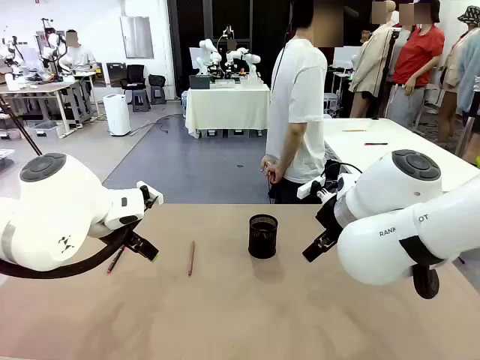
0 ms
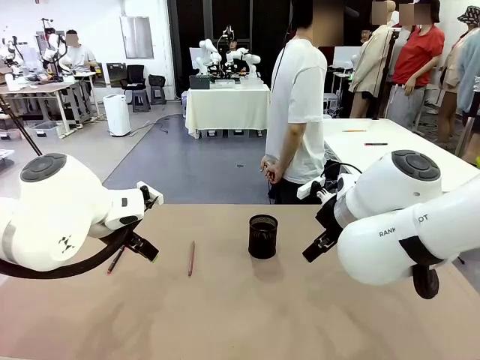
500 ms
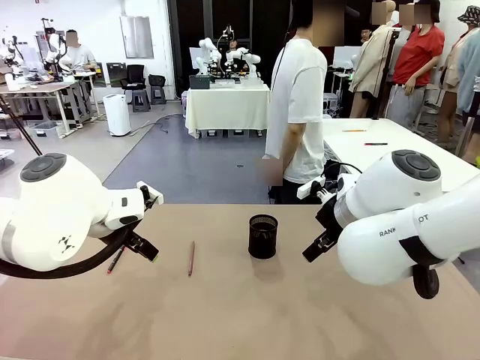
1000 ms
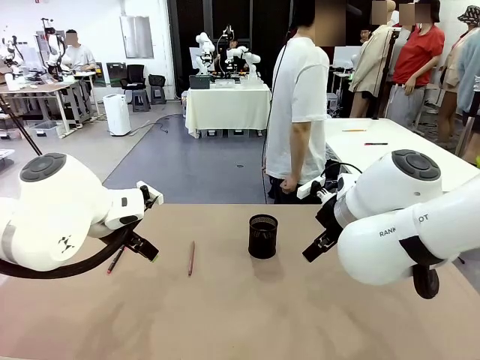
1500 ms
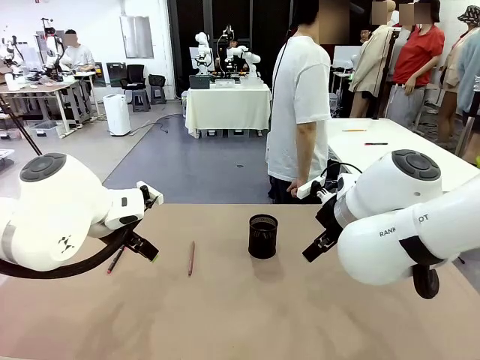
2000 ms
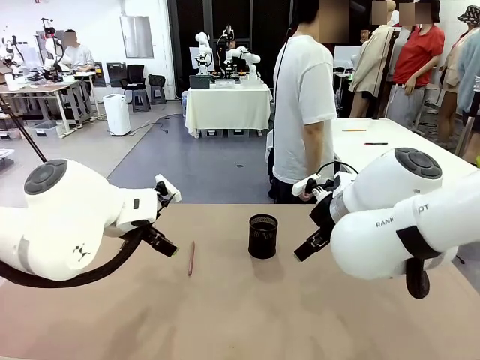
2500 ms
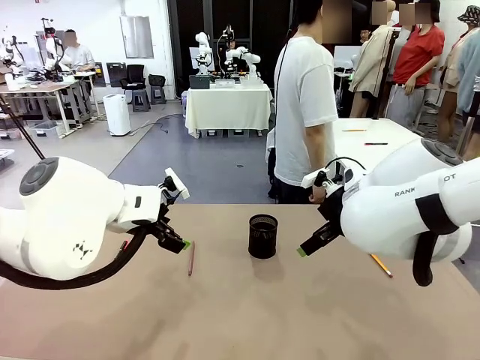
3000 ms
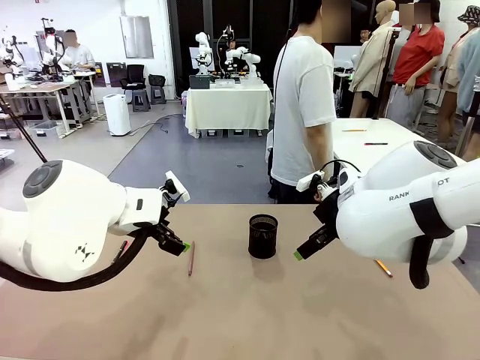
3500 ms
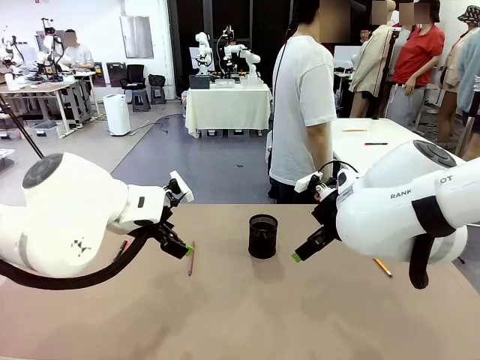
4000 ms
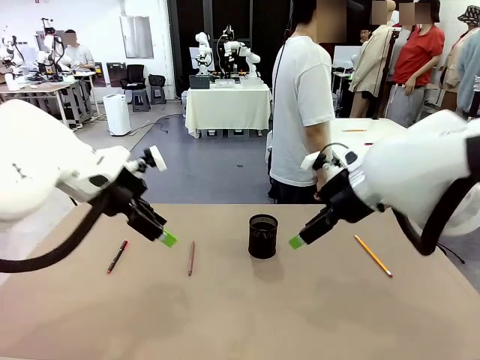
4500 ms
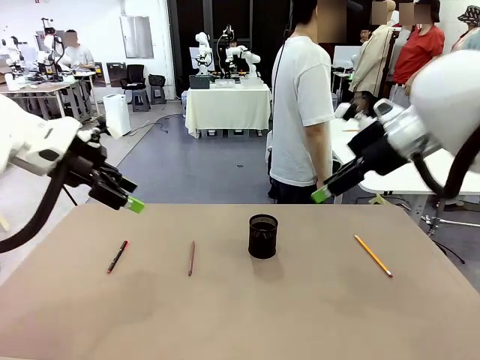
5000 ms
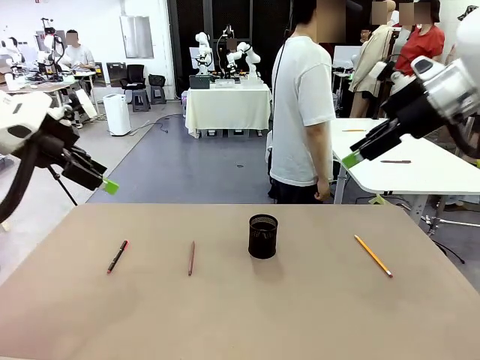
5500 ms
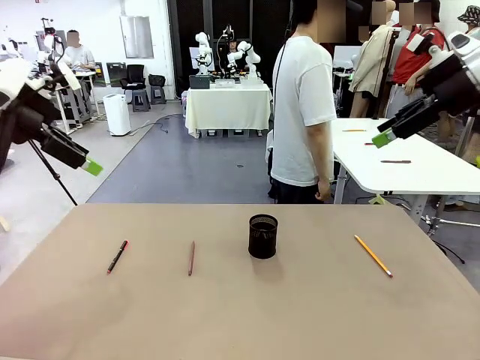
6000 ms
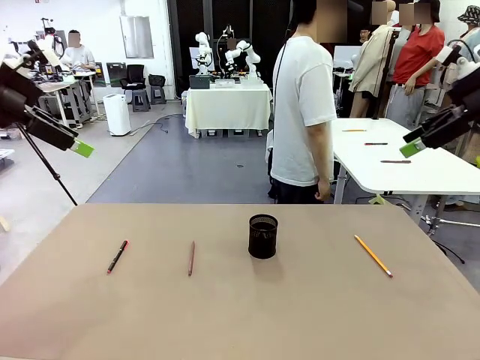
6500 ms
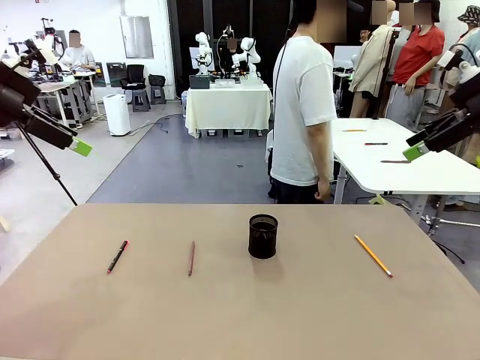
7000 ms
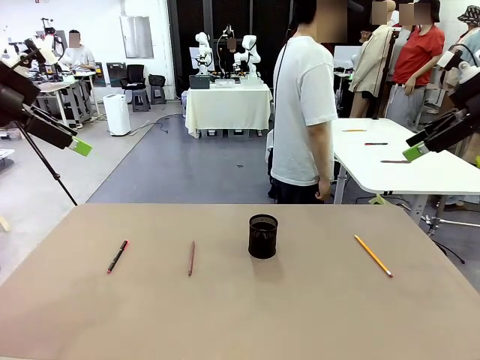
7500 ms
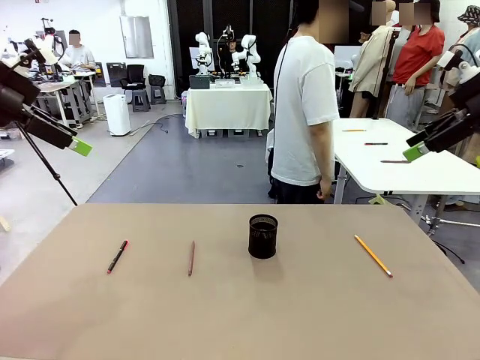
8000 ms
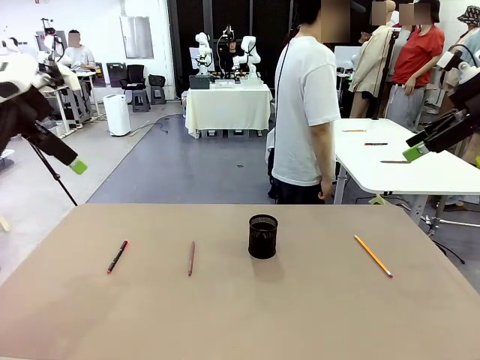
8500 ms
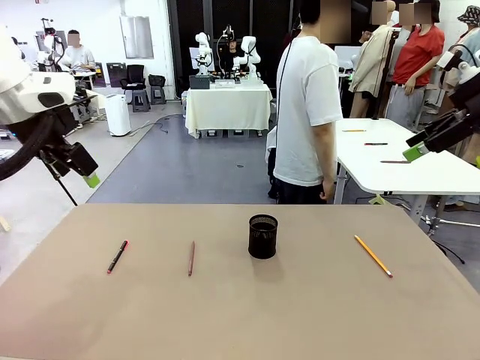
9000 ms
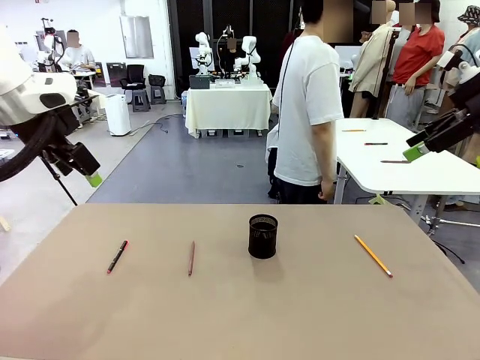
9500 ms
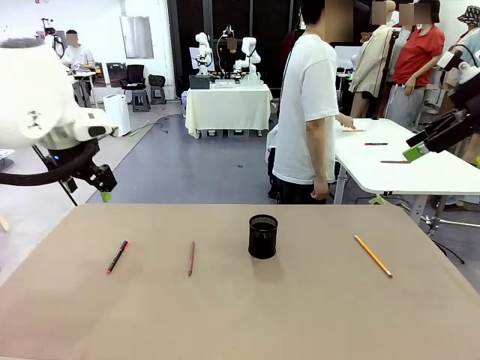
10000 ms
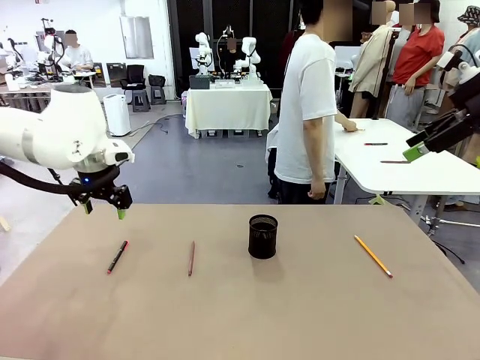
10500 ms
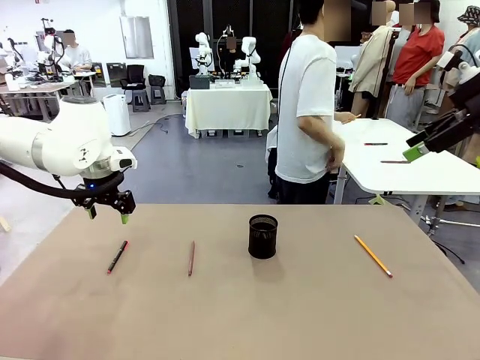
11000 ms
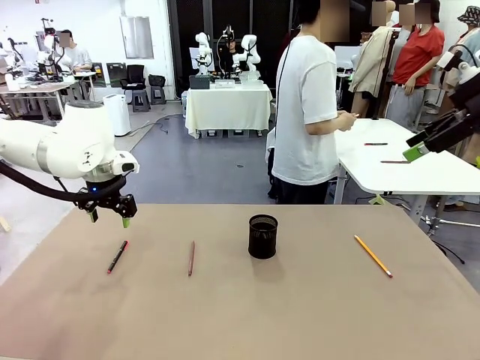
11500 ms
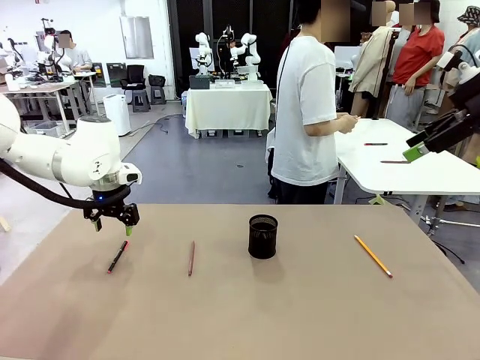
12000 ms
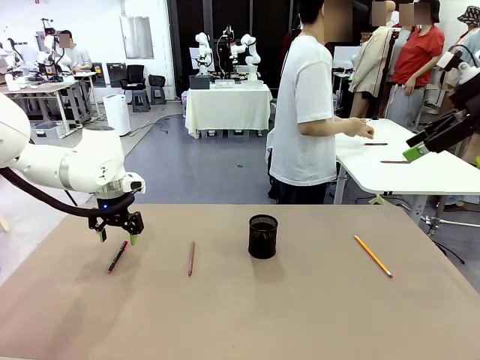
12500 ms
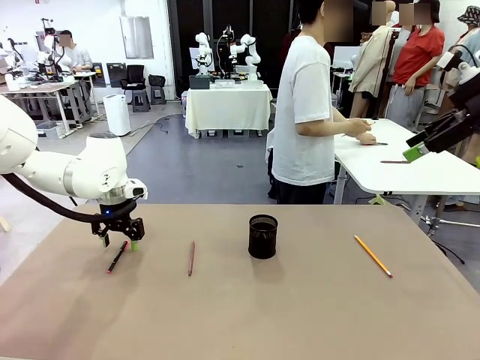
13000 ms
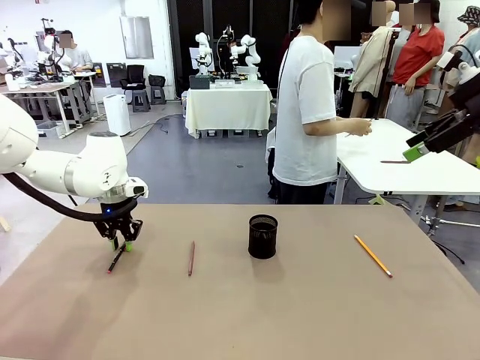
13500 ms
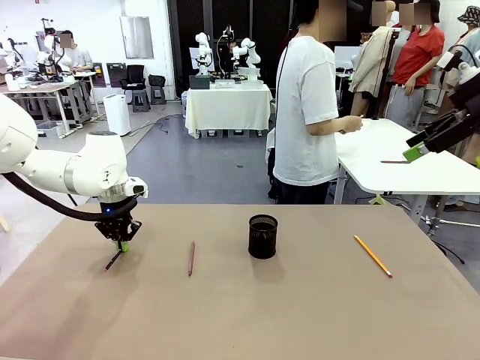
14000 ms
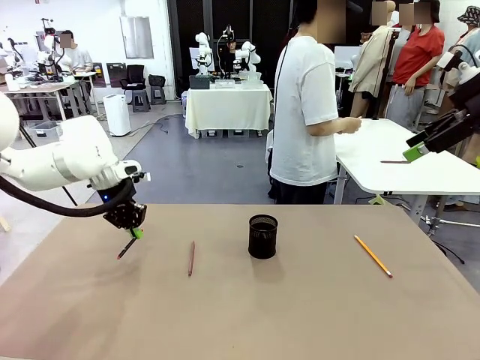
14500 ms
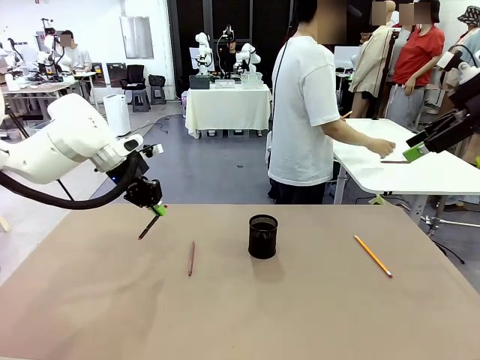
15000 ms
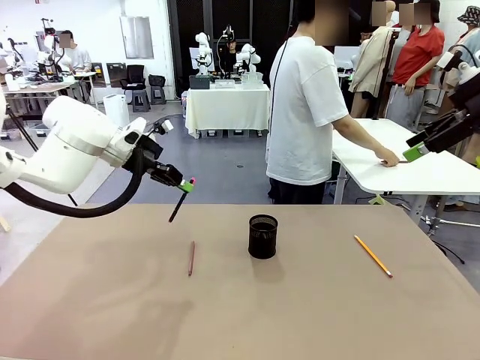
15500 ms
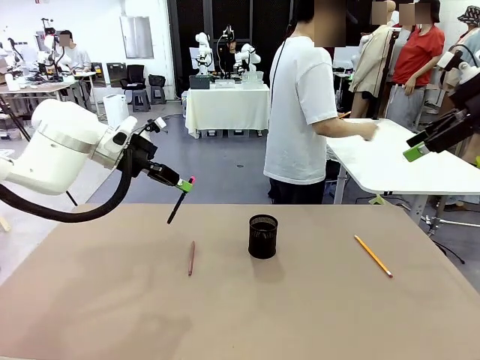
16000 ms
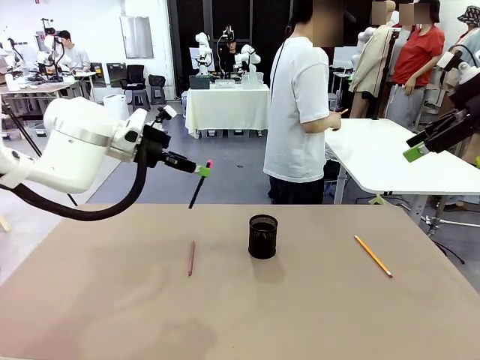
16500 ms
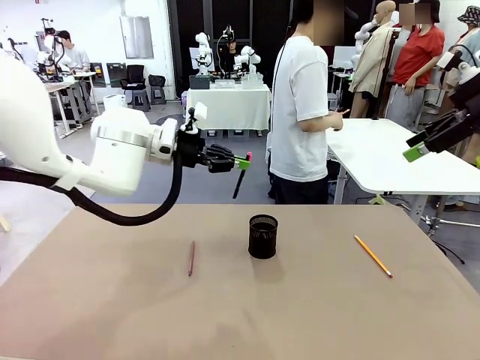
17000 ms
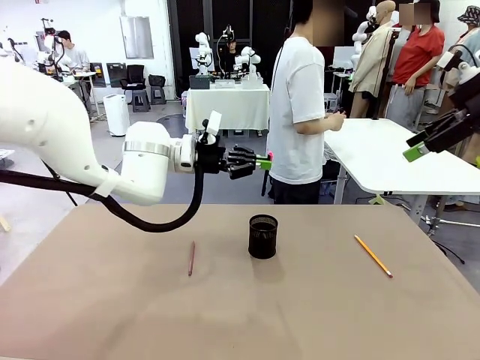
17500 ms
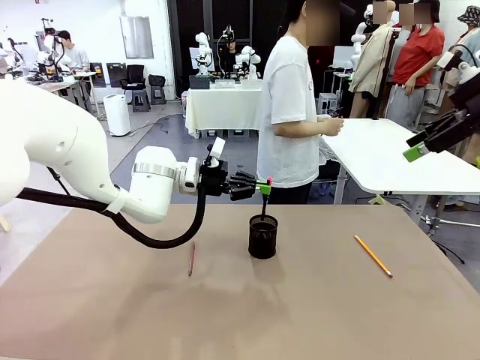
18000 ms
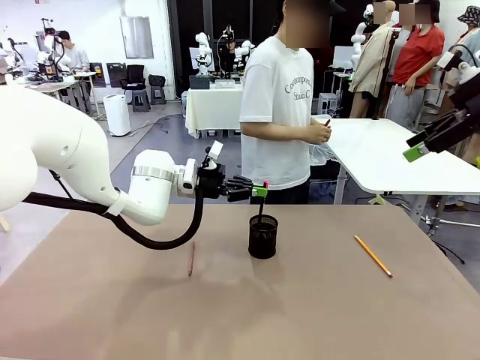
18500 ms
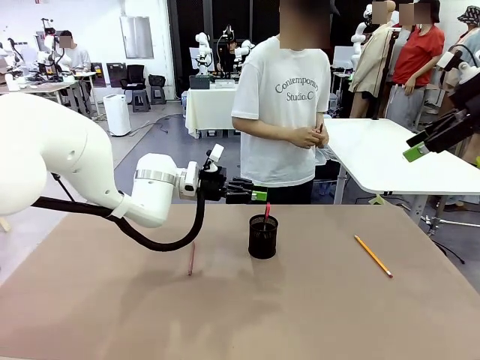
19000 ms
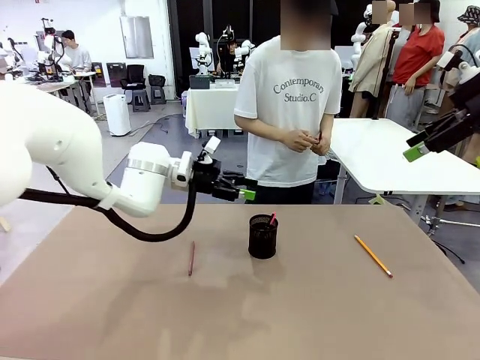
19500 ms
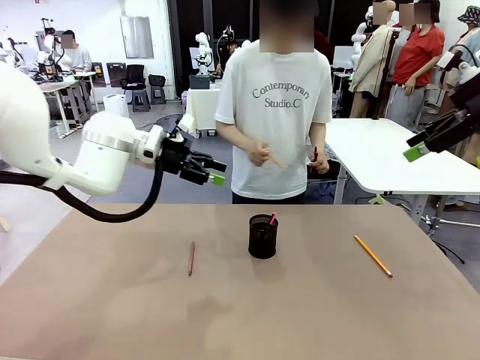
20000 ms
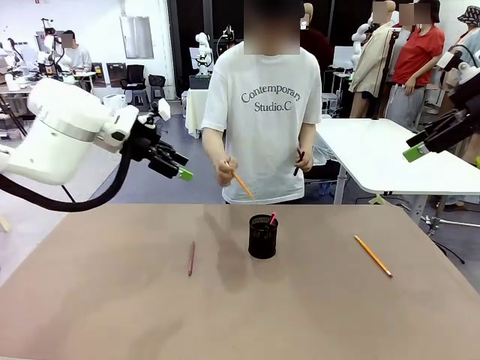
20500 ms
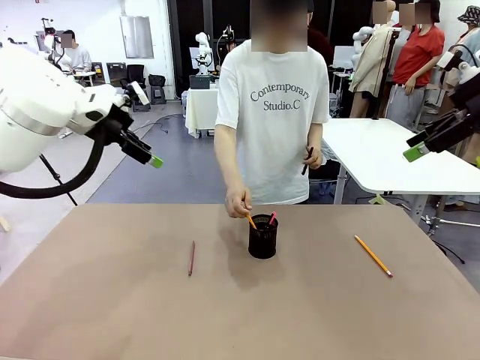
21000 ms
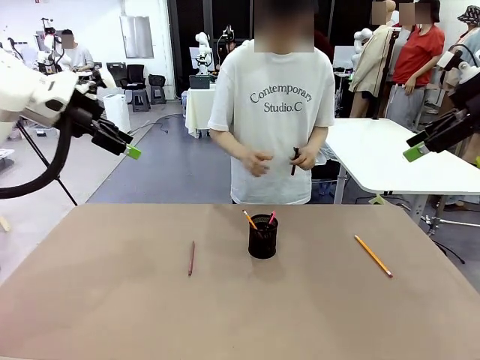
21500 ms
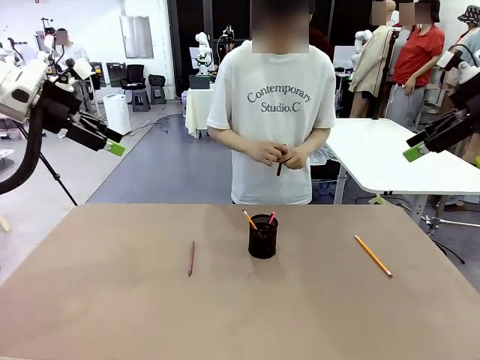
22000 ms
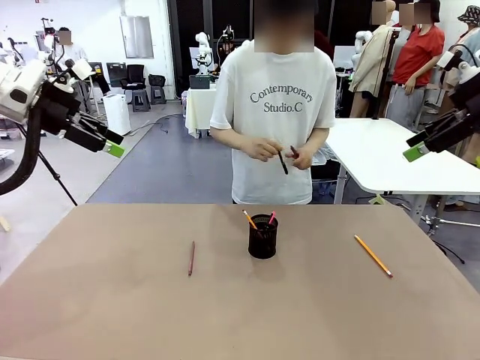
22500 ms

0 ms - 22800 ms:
Task: Place the pens into the pen holder.
Robot: Pick up a writing instrument from the table and place it into the Pen holder.
Person: Pick up all writing instruments from the Human table.
